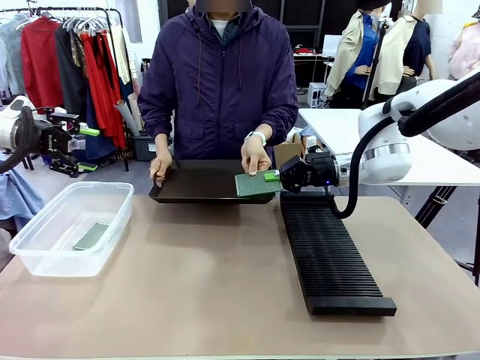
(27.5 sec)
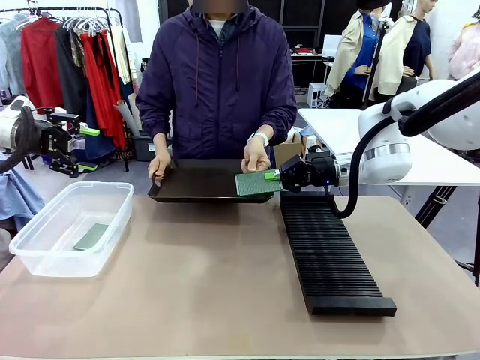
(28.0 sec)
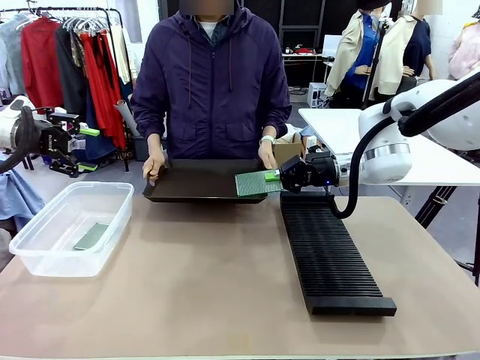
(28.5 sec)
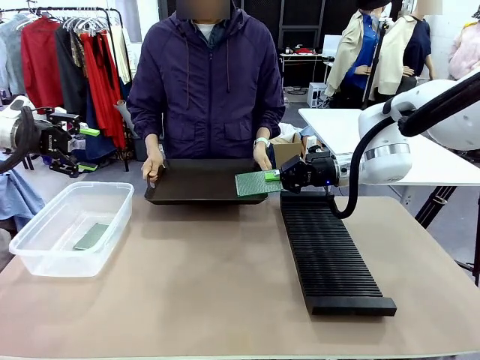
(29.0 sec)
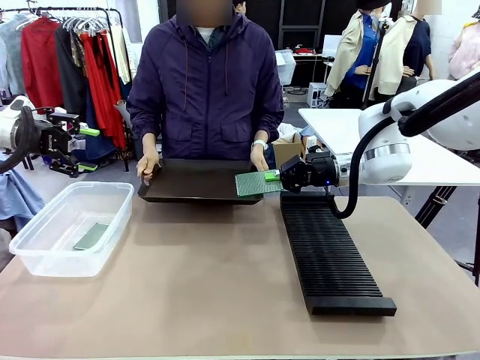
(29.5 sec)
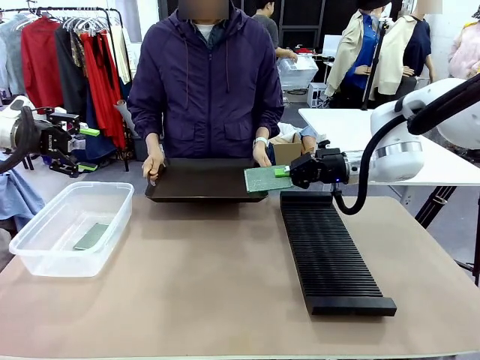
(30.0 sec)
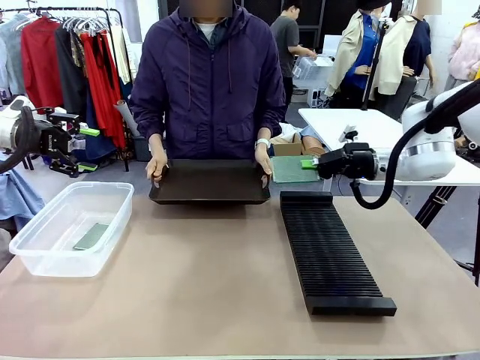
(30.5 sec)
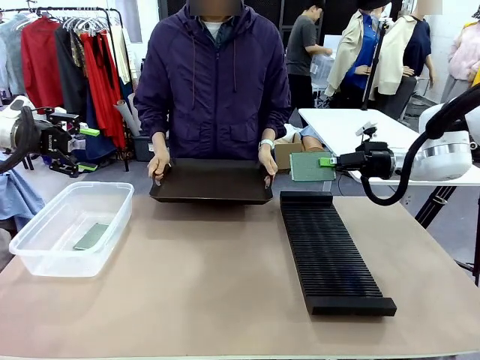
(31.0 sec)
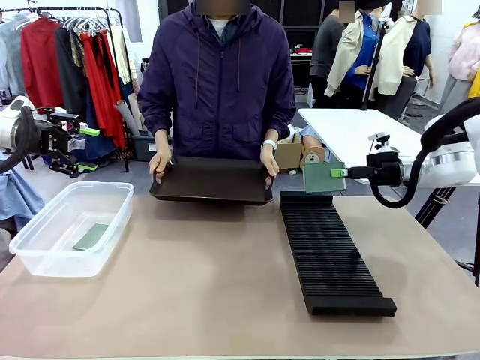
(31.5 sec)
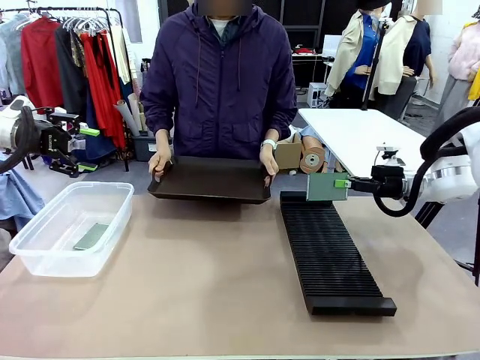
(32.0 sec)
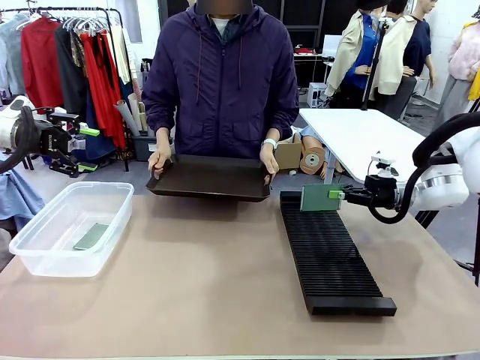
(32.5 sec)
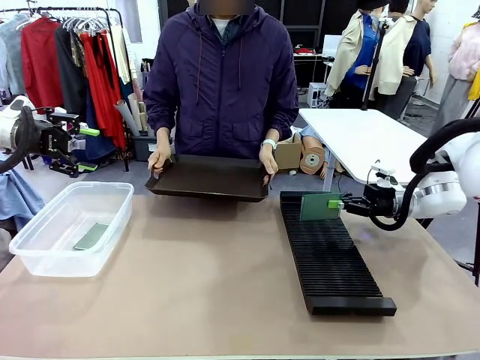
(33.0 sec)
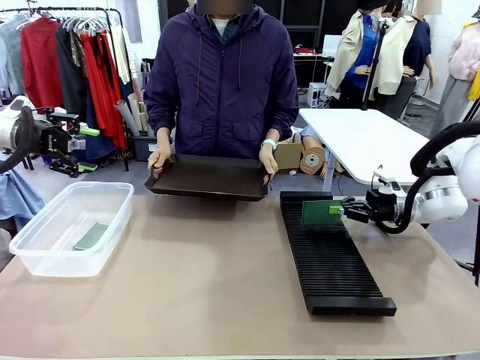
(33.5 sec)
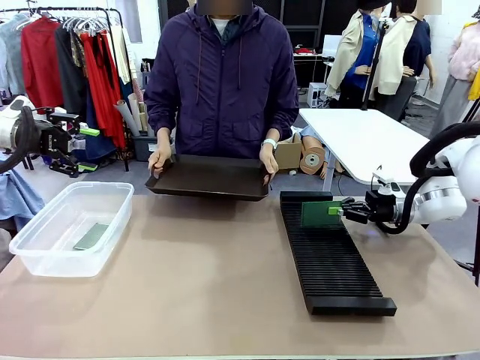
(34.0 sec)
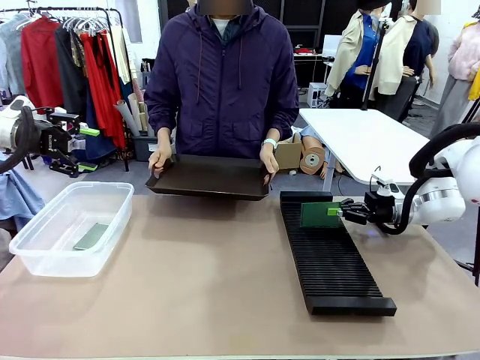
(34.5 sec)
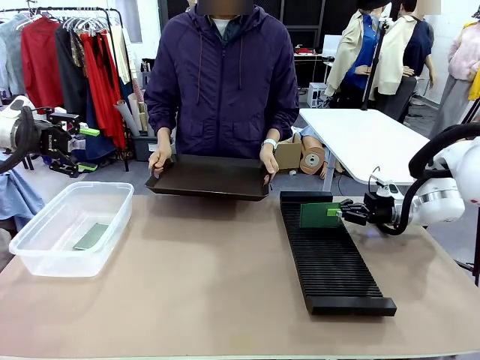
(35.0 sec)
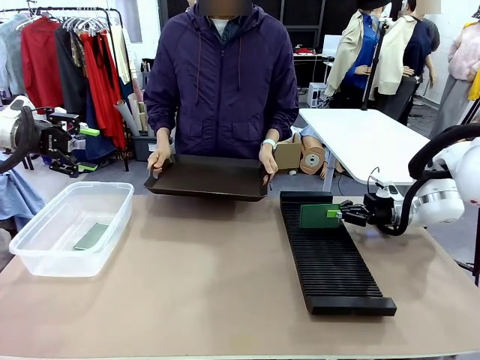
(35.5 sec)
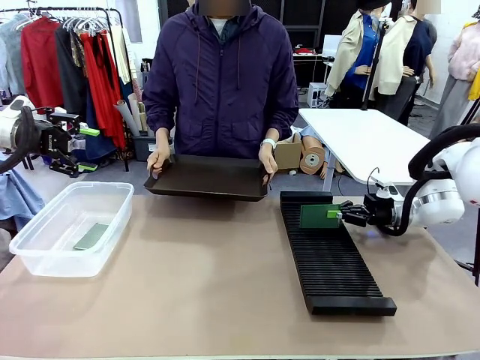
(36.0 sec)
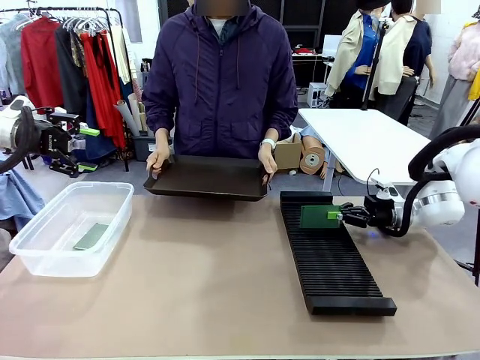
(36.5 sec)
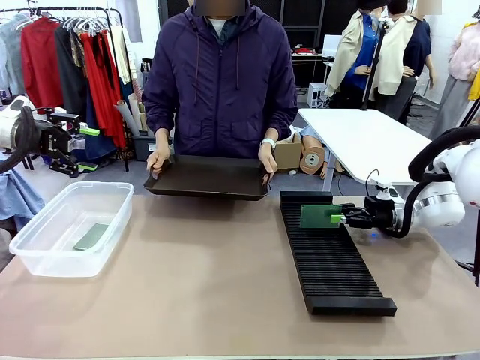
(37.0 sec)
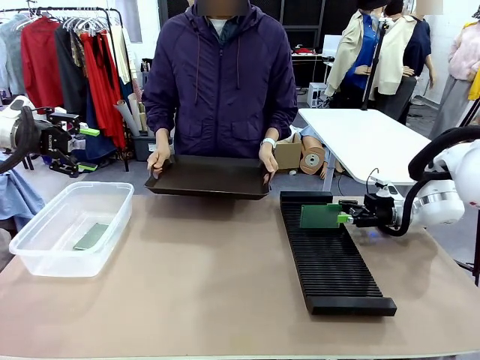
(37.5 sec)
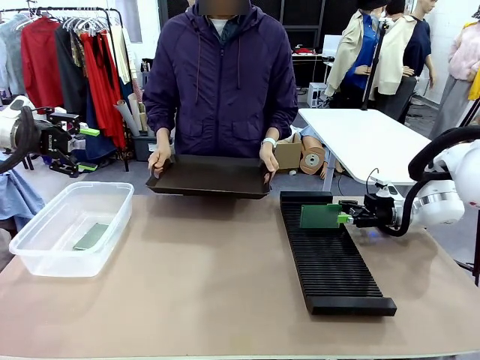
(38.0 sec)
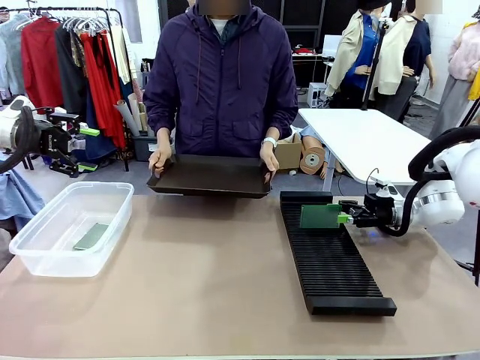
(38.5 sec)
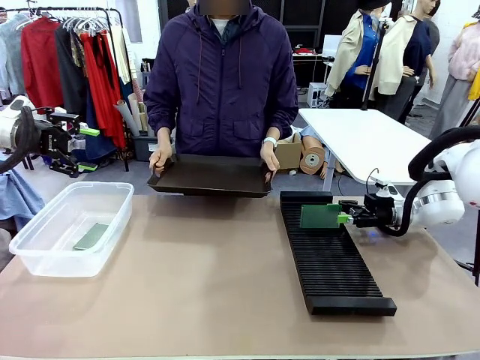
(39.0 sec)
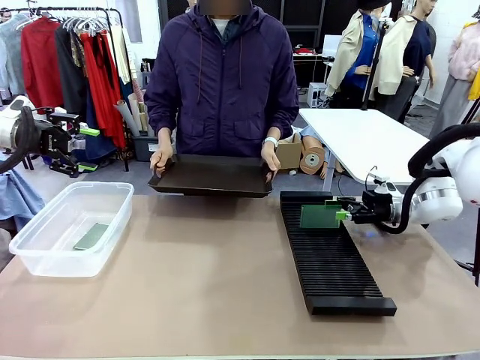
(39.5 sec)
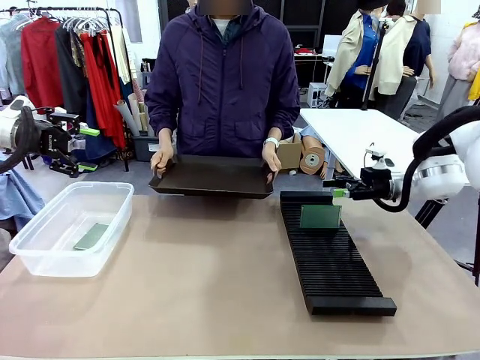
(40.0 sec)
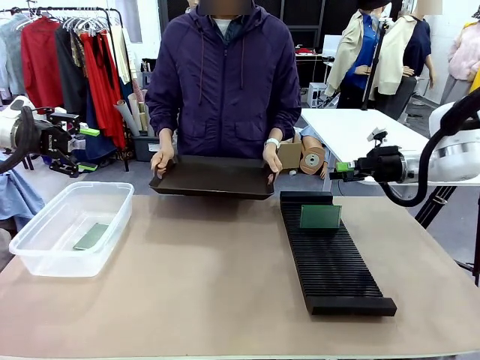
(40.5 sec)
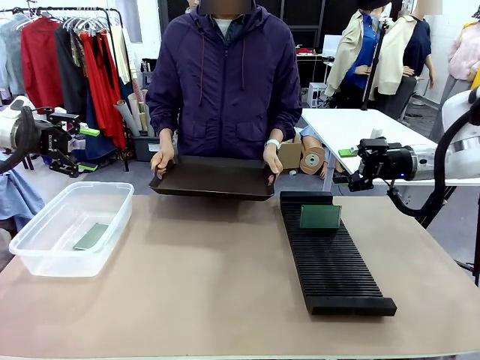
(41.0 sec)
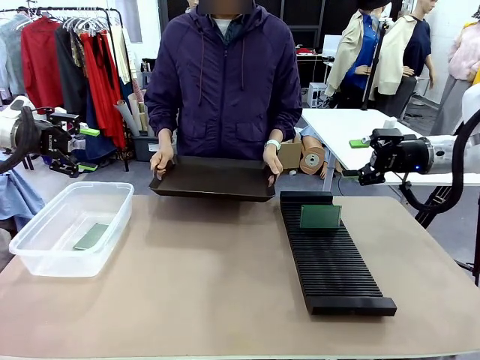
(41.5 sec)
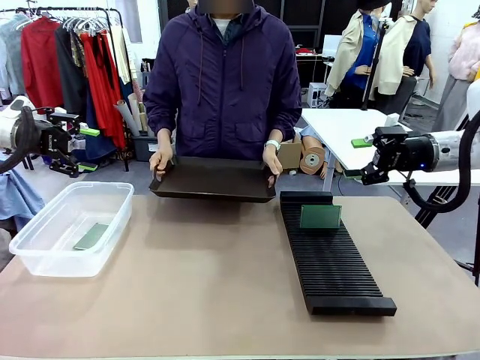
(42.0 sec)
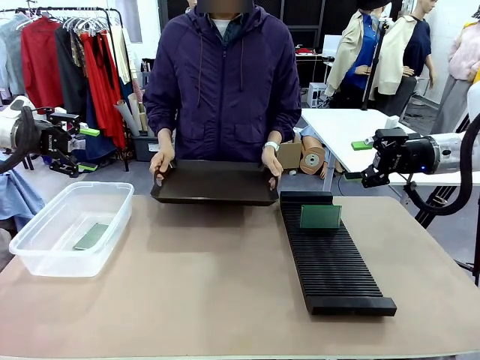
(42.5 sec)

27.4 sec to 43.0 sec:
Task: Sort PCBs into racks and boxes based on the side picked up.
Robot: If the short side of the Blank PCB is picked up, insert it into the PCB Rack ; if the long side is picked up, place it in the Organizing box.
Person: Release the PCB being held.
